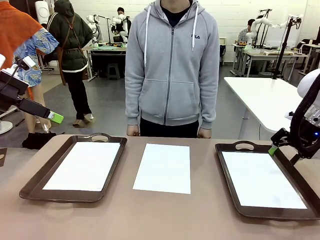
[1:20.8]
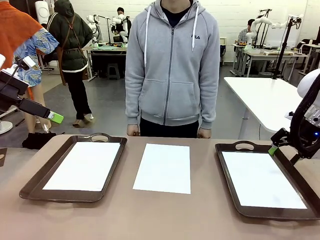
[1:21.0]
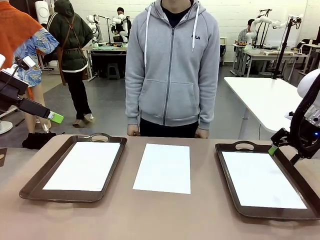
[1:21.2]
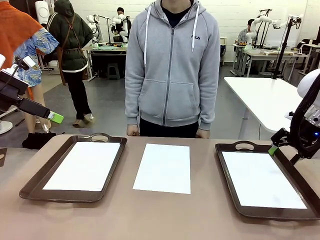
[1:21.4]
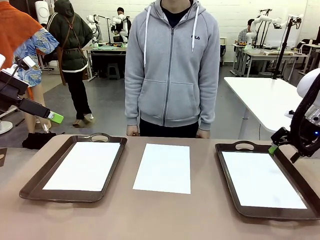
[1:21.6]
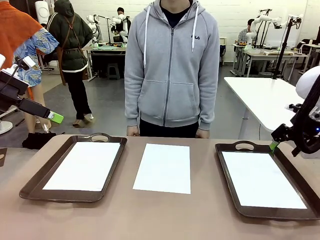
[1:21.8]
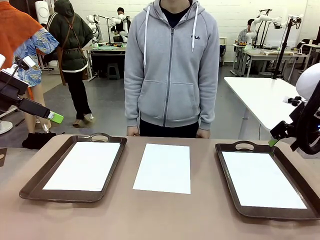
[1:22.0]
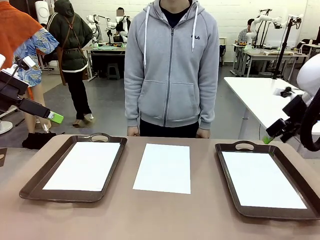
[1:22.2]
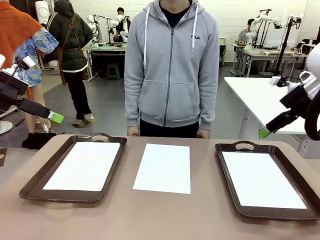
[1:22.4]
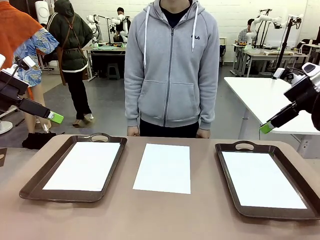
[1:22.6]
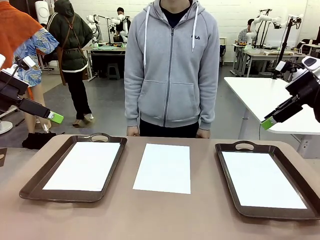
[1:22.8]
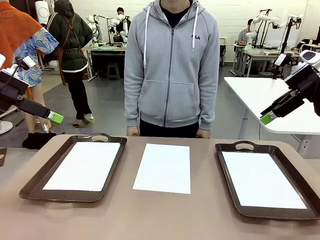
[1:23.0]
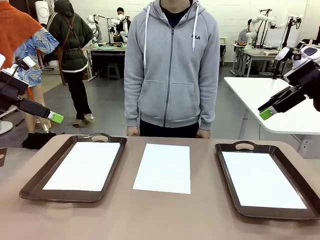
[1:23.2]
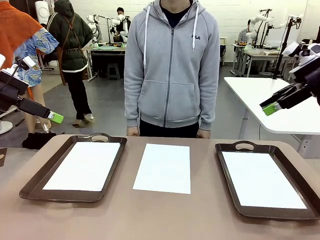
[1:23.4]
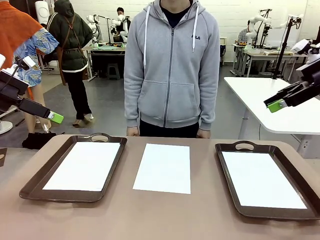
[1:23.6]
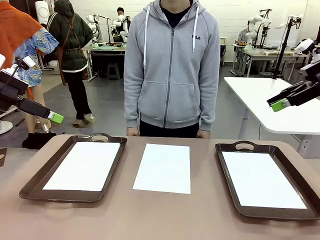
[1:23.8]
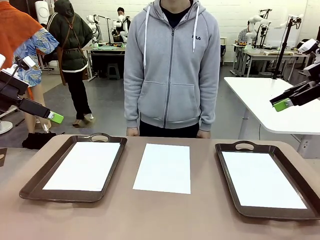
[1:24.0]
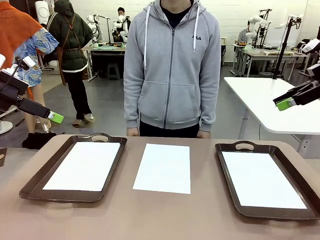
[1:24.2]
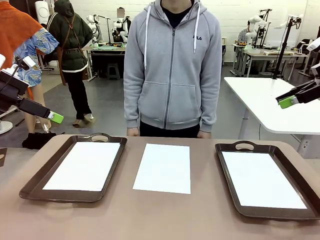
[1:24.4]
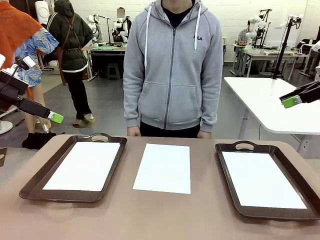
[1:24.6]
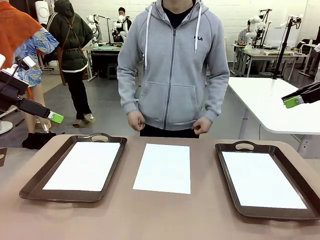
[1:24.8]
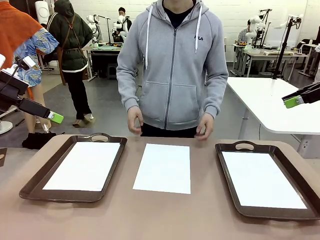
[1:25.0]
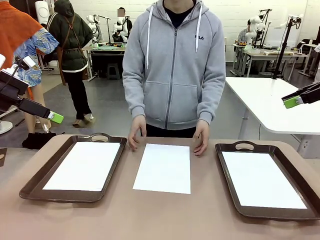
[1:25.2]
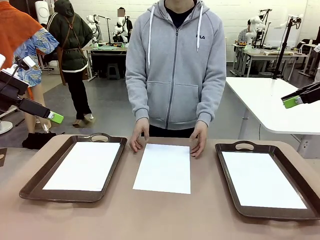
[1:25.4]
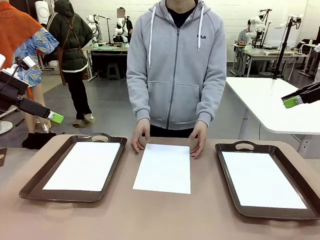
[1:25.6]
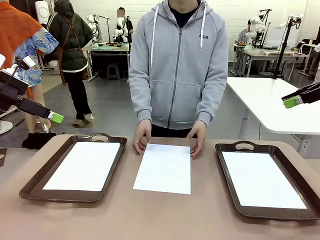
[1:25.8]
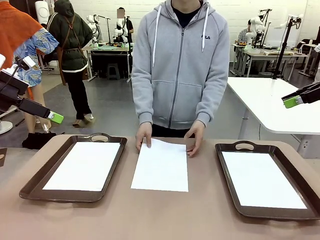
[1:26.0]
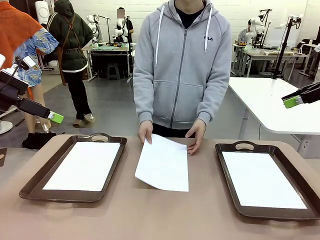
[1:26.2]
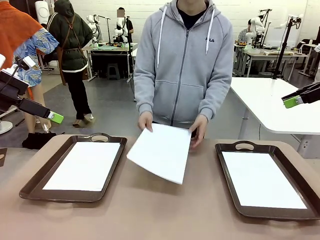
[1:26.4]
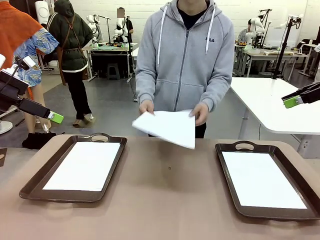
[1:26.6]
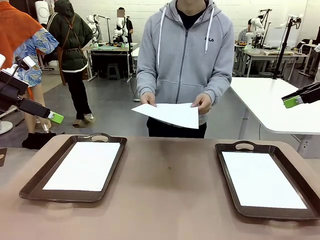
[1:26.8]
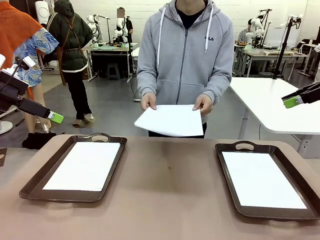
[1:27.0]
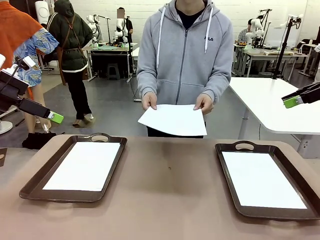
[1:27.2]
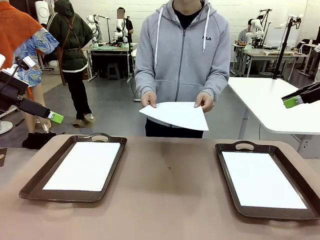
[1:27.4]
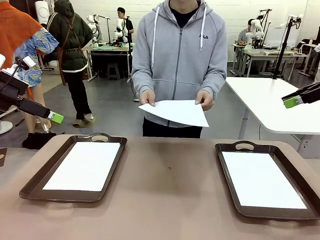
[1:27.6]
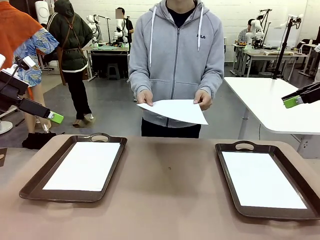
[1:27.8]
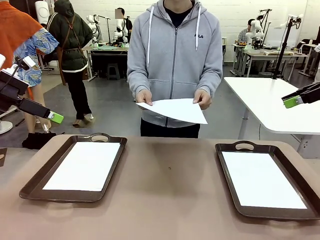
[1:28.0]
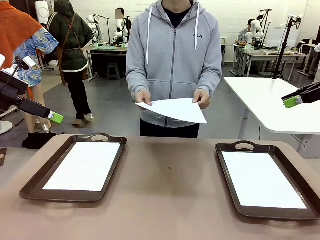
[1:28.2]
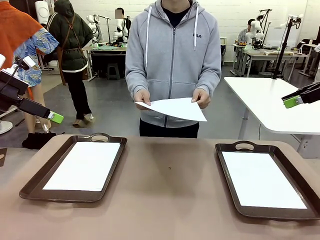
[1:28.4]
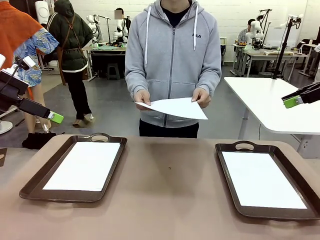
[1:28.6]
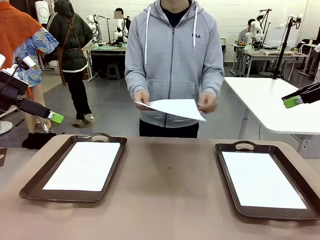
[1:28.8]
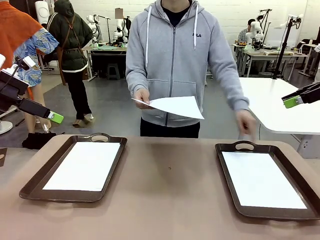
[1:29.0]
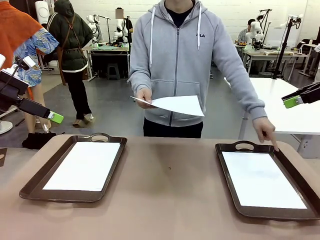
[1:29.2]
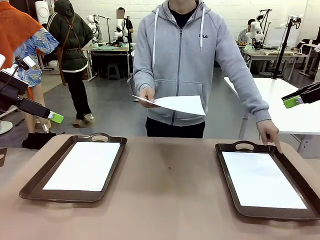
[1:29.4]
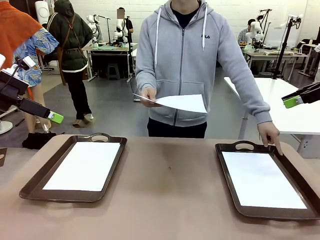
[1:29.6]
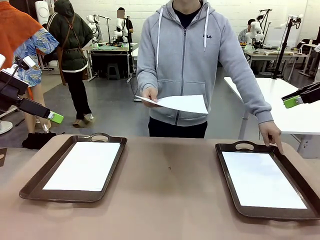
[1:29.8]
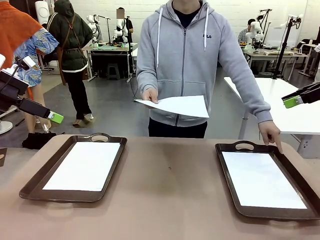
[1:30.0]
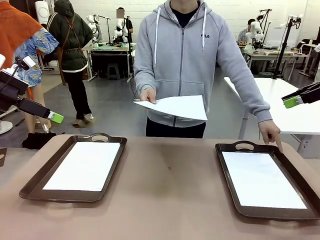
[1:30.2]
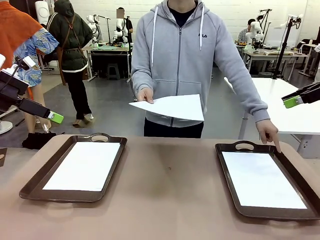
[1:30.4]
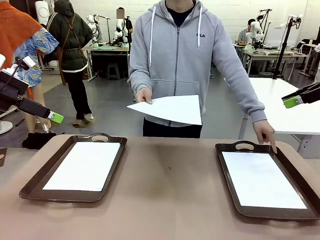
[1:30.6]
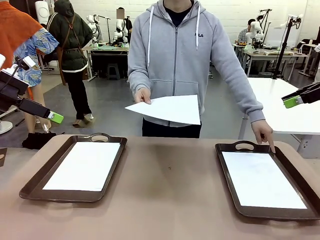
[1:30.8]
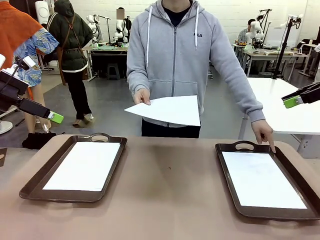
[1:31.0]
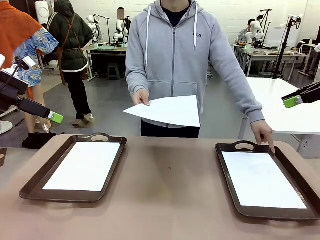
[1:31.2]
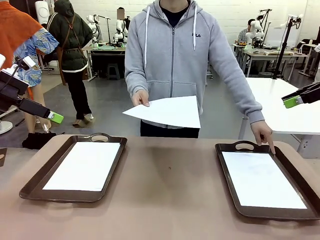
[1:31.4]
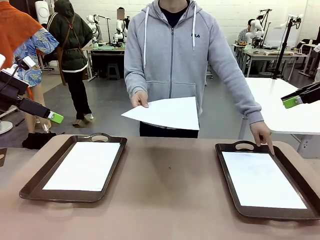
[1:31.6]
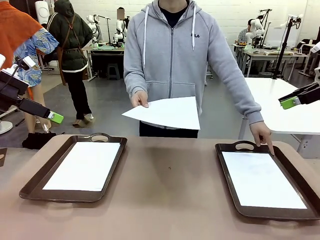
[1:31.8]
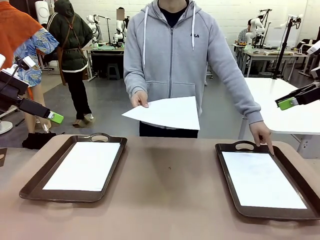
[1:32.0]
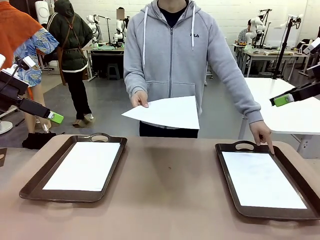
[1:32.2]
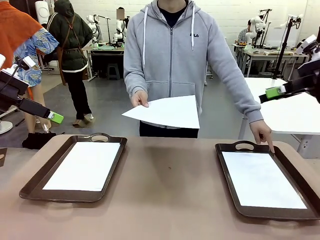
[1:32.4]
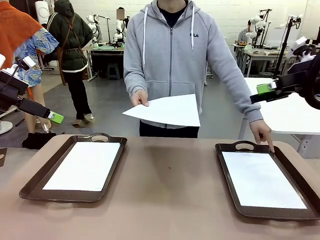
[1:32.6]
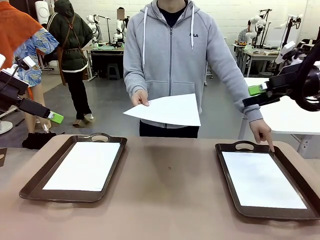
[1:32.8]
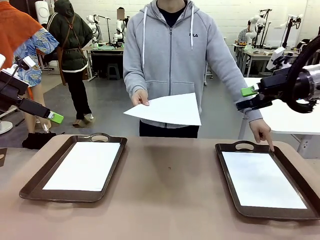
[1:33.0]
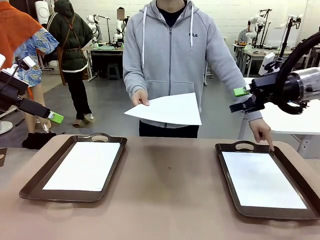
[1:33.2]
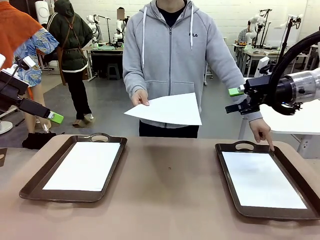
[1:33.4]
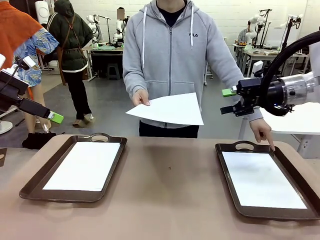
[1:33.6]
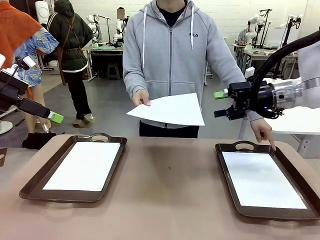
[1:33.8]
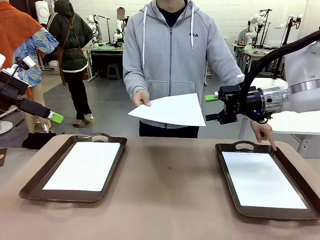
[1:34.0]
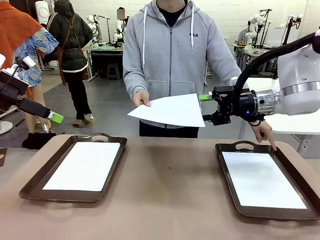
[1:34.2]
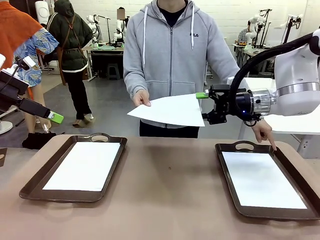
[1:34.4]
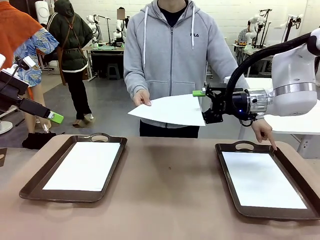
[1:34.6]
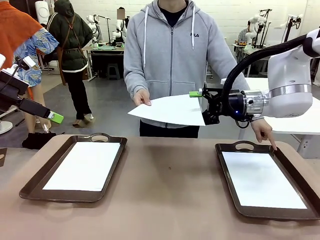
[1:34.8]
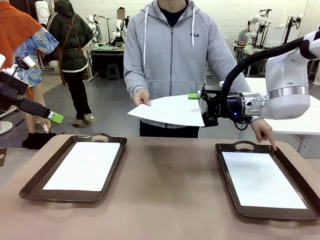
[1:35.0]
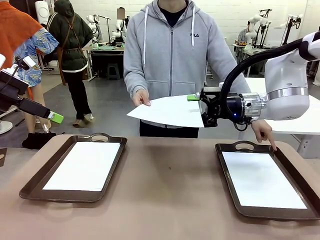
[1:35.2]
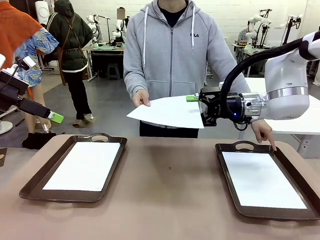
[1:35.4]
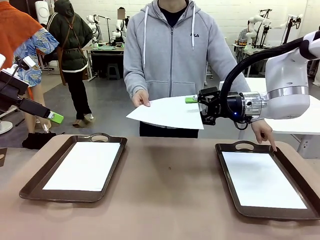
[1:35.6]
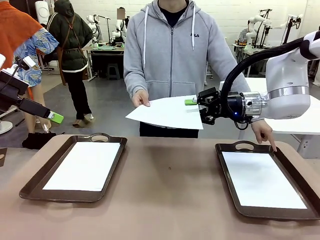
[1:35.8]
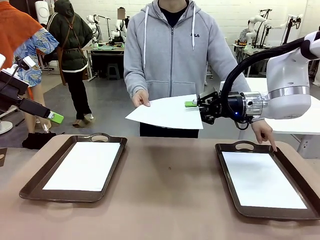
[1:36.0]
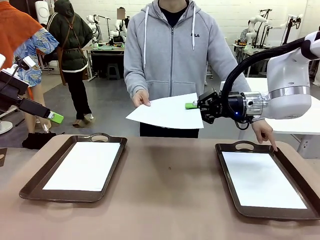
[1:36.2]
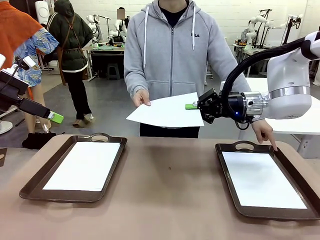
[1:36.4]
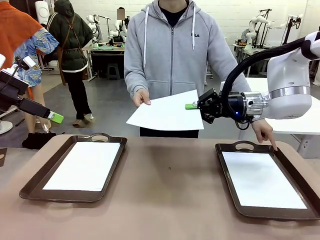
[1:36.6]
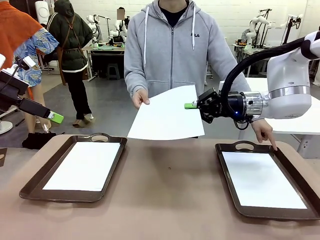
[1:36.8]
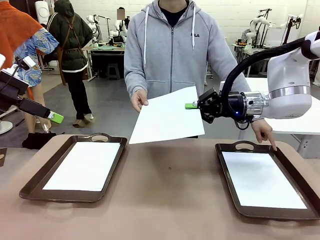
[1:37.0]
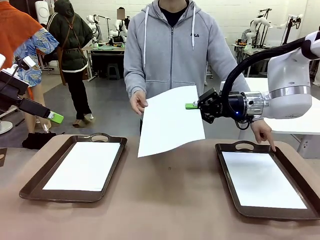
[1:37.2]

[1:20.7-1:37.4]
Task: Sort the A4 documents.
Robot: Receive the A4 Paper.
Person: Point the randomly selected tray with the other hand.

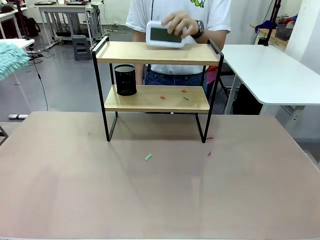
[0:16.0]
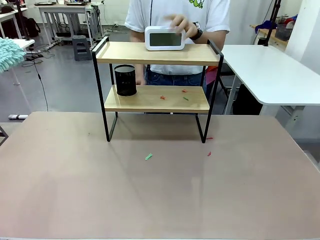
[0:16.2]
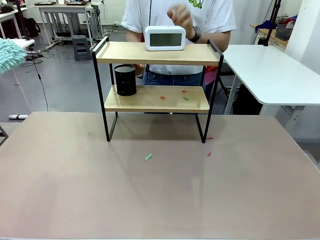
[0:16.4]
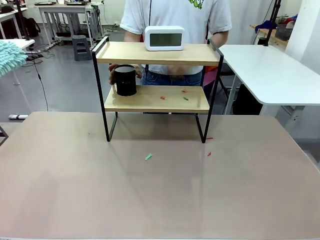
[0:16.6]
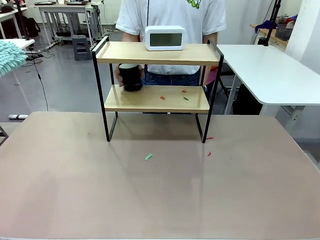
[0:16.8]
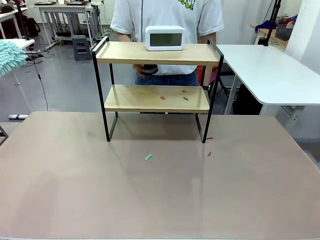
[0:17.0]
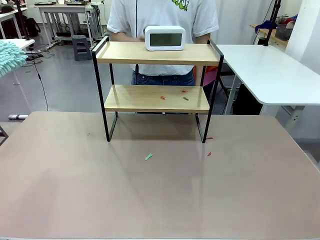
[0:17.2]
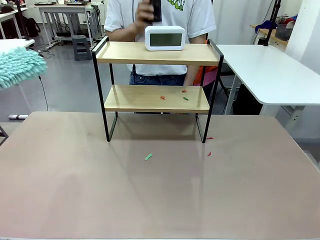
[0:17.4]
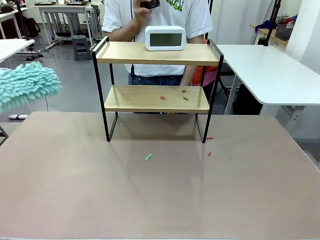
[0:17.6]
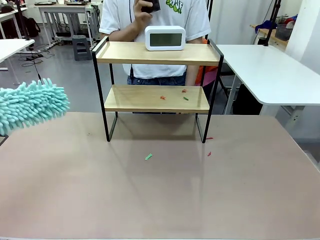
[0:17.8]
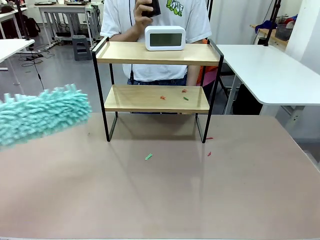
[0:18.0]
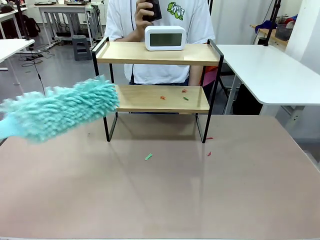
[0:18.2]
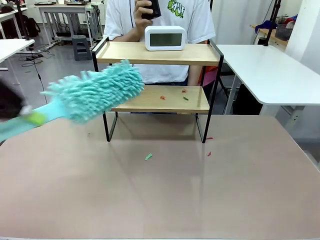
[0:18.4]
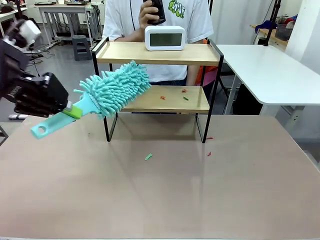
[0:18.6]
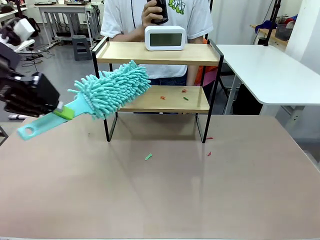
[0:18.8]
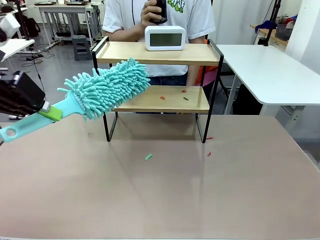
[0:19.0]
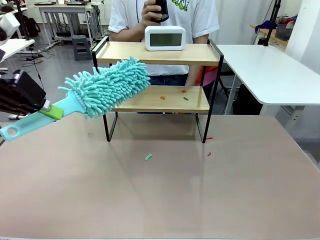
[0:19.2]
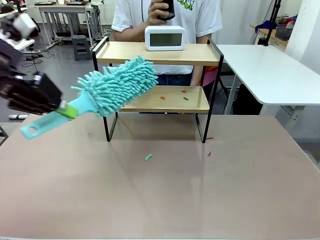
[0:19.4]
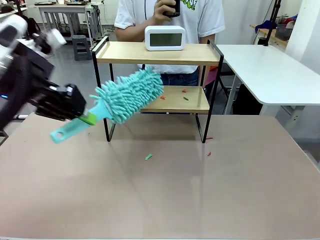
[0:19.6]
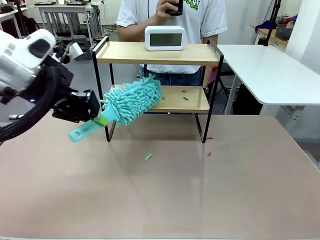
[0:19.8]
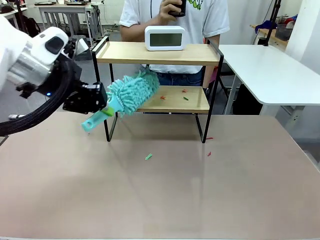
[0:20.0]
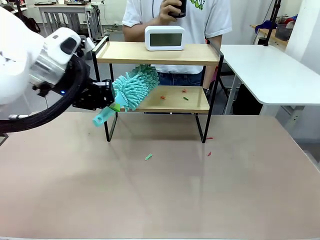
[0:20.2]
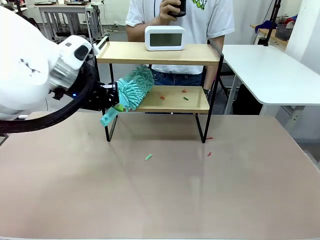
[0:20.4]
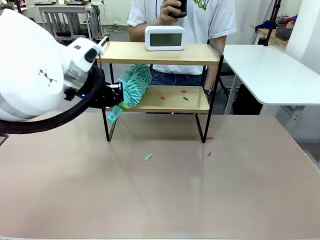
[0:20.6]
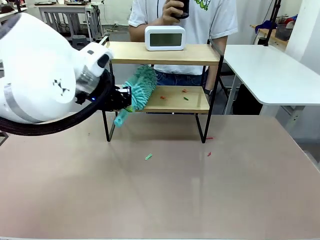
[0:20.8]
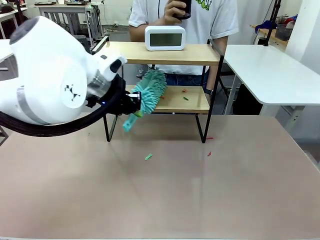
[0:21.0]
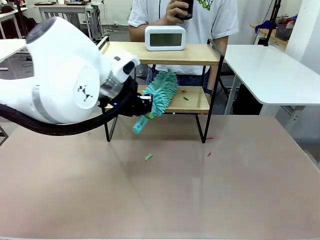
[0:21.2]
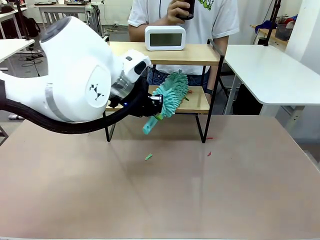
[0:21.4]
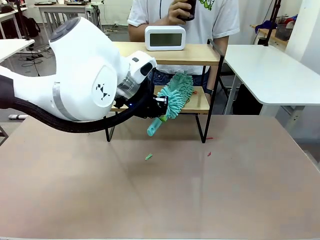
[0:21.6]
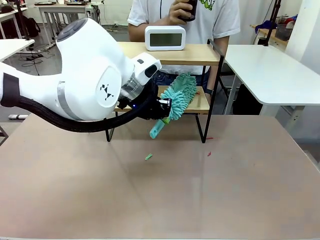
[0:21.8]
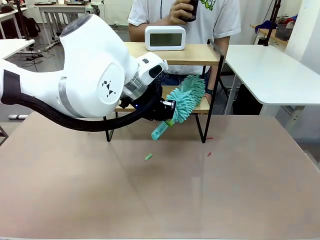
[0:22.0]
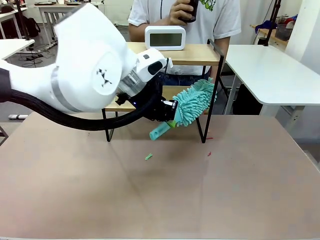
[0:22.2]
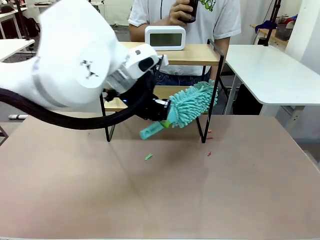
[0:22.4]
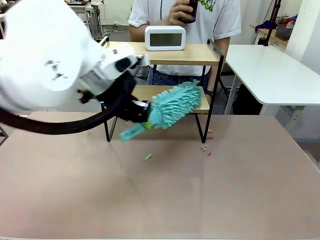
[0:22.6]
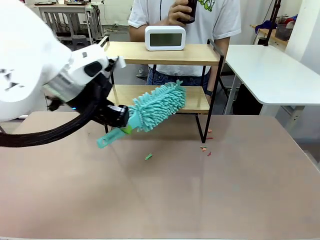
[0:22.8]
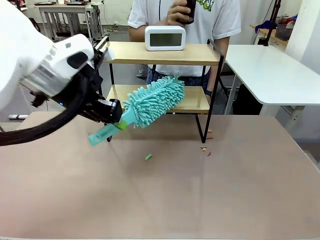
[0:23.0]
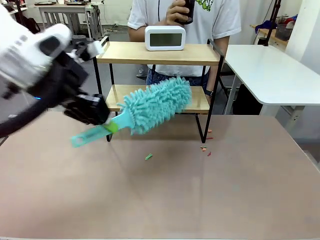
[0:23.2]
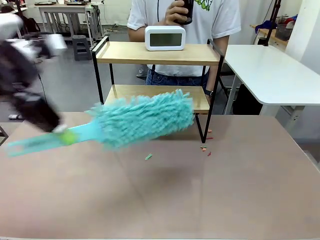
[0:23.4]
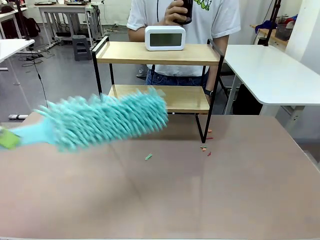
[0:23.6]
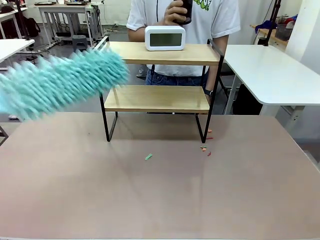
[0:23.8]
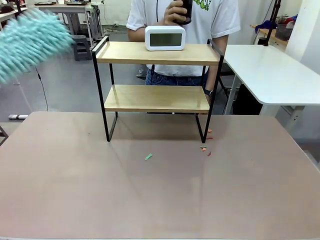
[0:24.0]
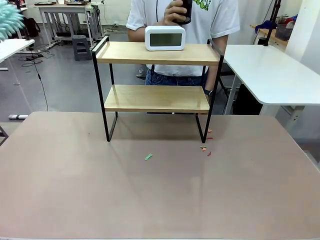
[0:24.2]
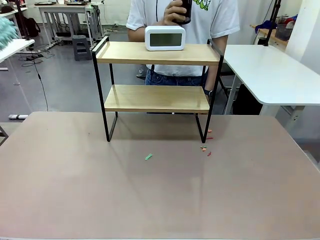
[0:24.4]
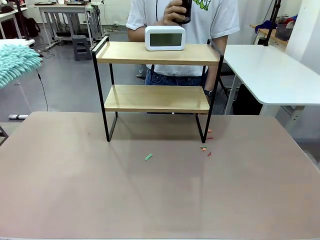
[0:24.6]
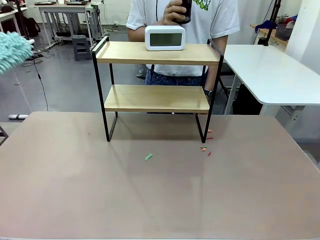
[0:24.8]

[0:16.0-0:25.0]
Task: Clean the shelf.
Robot: Clean the remaining tier of the Shelf with the Duster once objects are removed.
